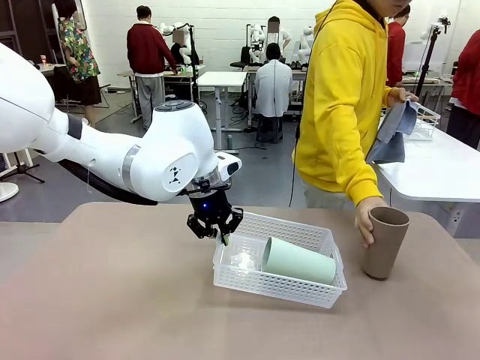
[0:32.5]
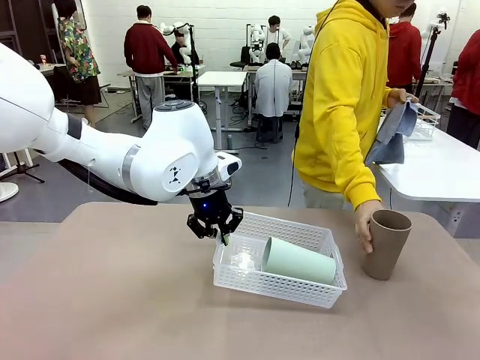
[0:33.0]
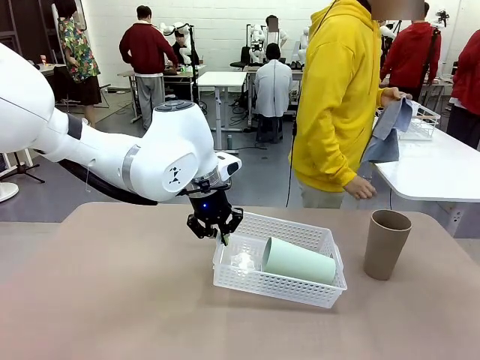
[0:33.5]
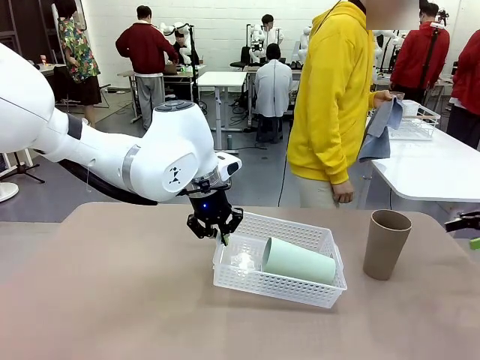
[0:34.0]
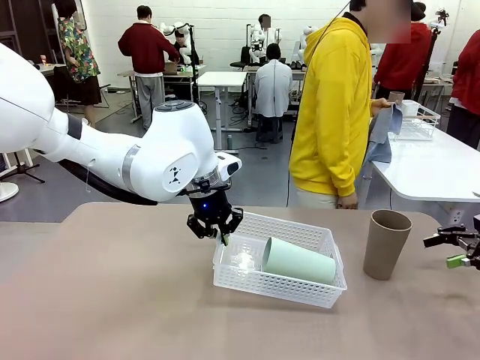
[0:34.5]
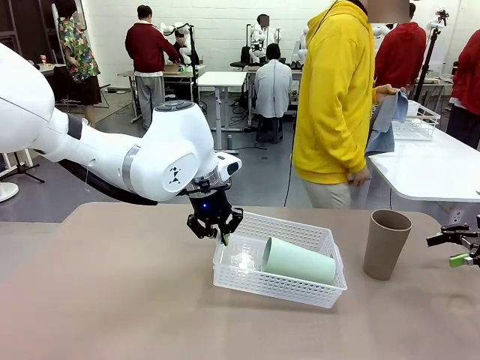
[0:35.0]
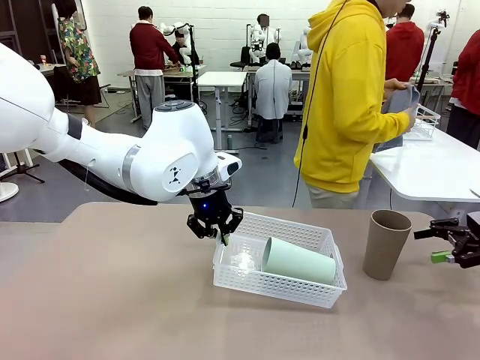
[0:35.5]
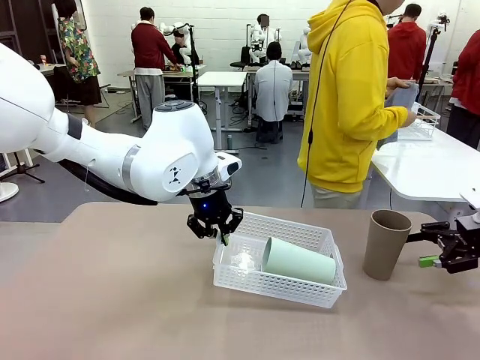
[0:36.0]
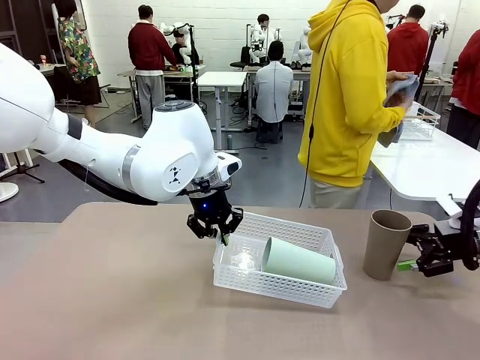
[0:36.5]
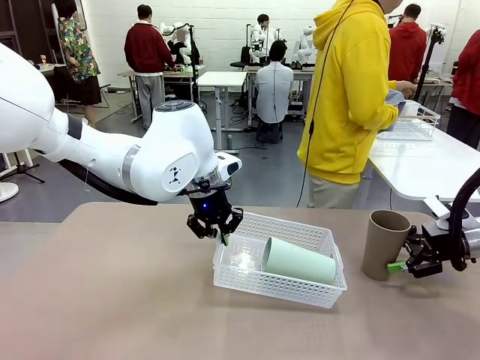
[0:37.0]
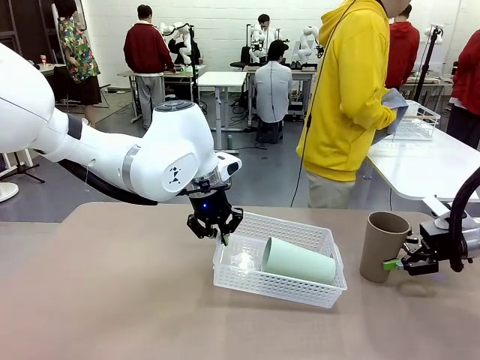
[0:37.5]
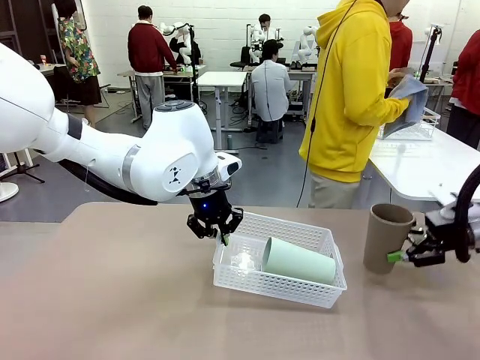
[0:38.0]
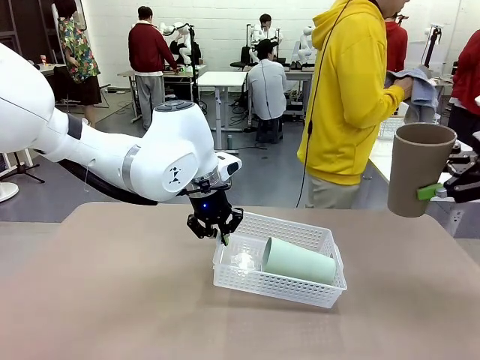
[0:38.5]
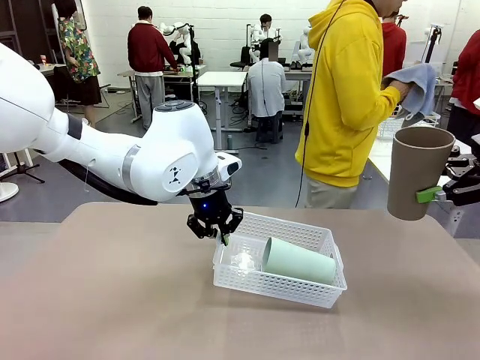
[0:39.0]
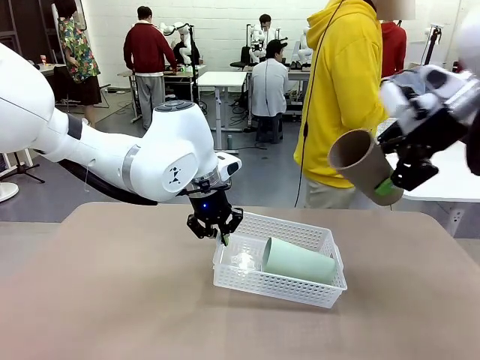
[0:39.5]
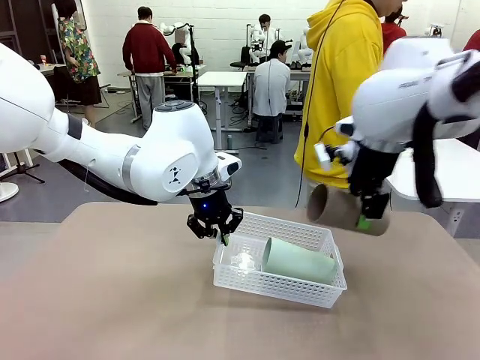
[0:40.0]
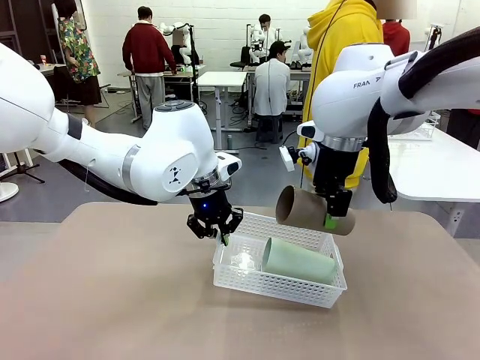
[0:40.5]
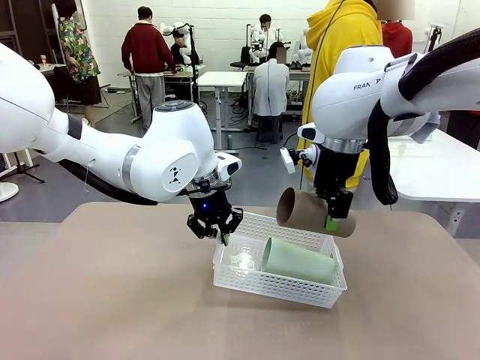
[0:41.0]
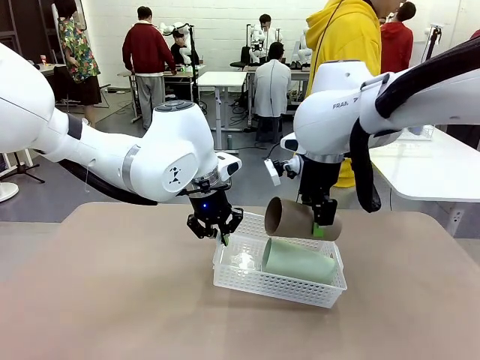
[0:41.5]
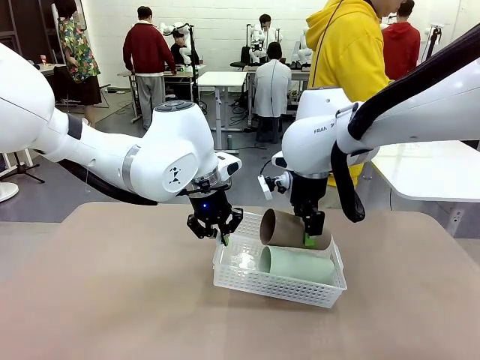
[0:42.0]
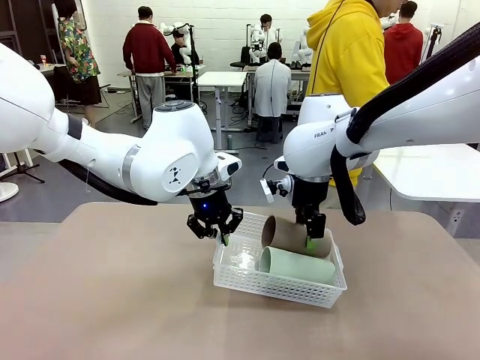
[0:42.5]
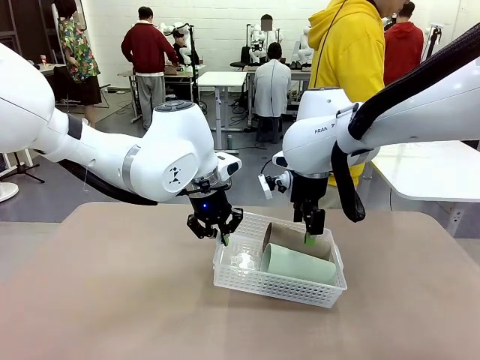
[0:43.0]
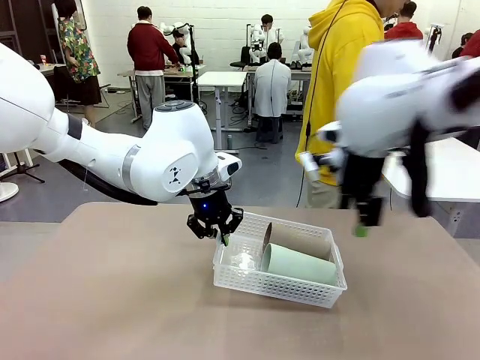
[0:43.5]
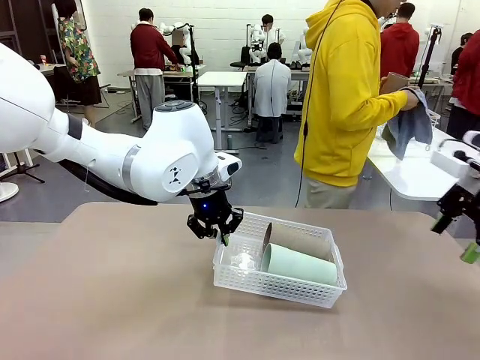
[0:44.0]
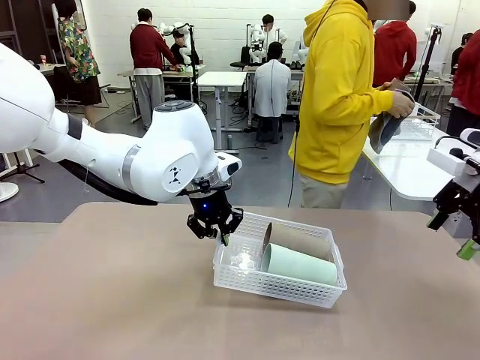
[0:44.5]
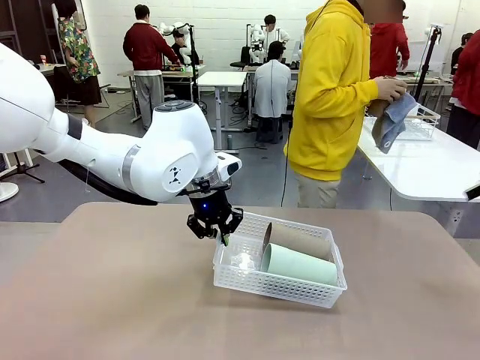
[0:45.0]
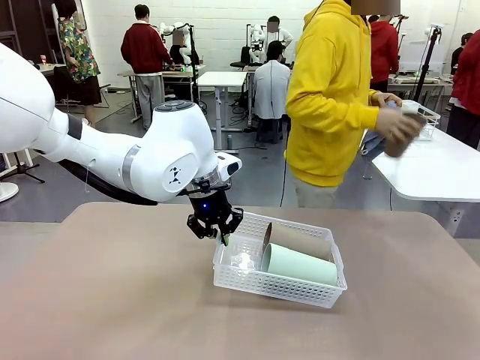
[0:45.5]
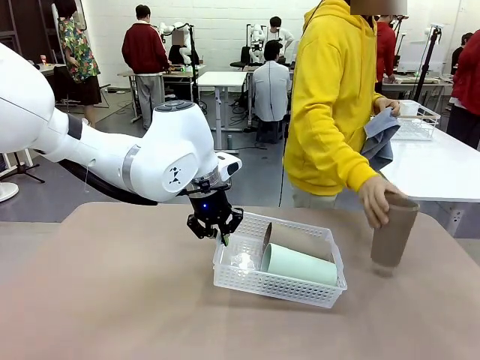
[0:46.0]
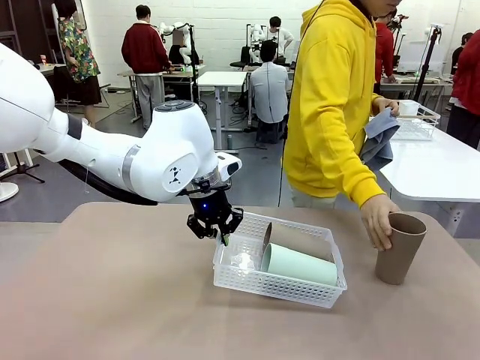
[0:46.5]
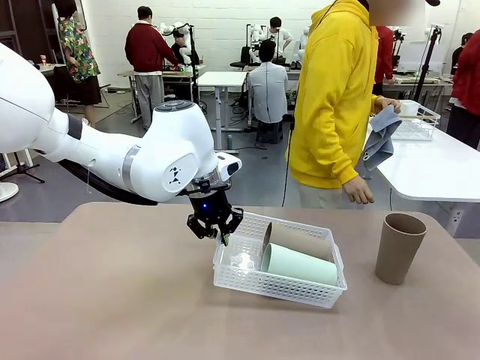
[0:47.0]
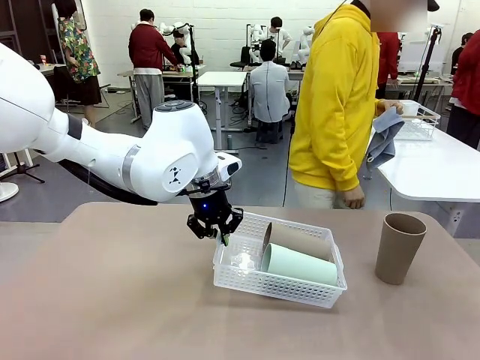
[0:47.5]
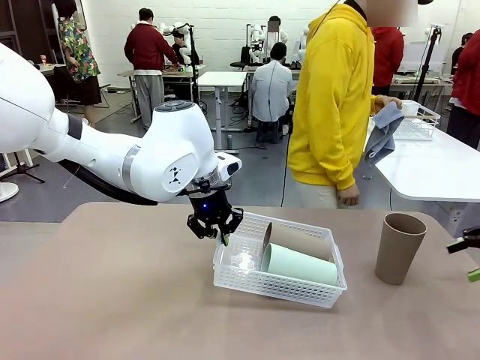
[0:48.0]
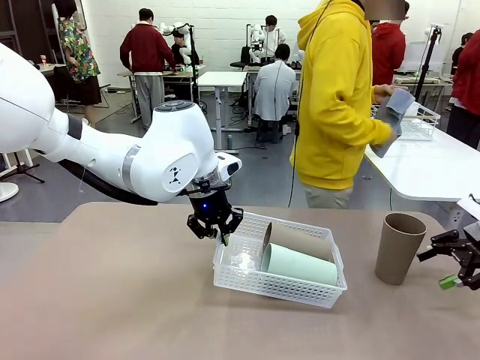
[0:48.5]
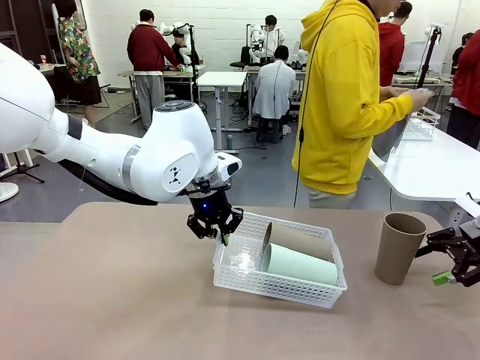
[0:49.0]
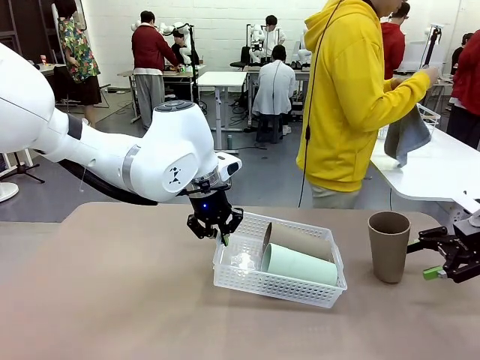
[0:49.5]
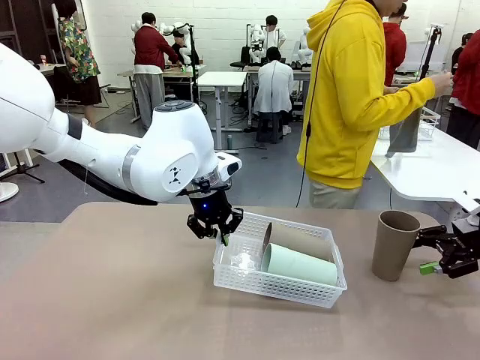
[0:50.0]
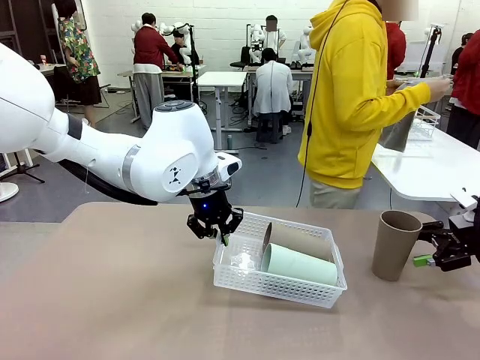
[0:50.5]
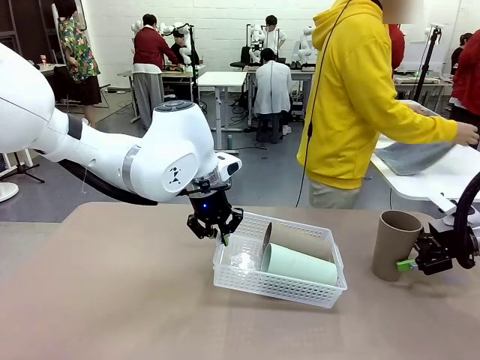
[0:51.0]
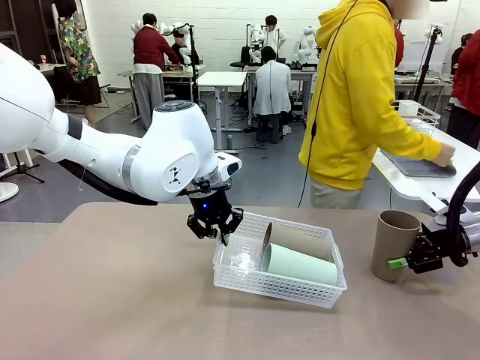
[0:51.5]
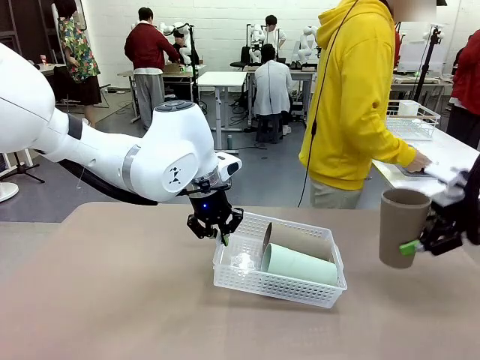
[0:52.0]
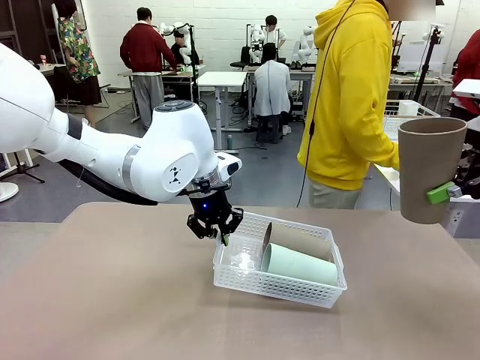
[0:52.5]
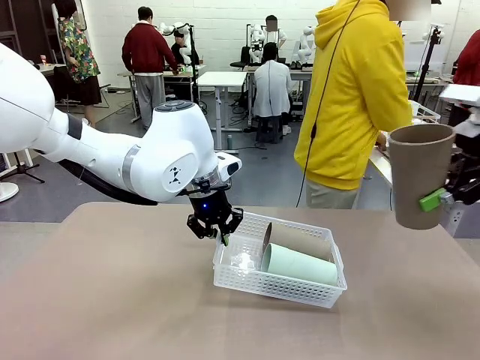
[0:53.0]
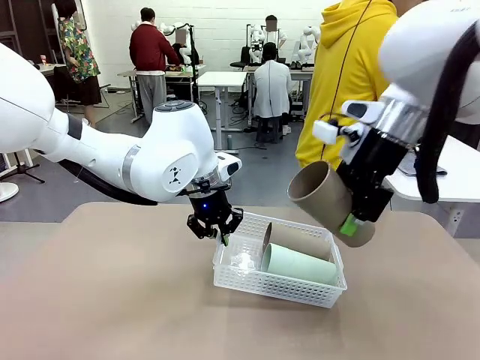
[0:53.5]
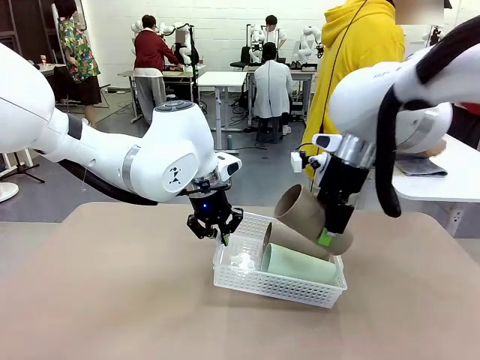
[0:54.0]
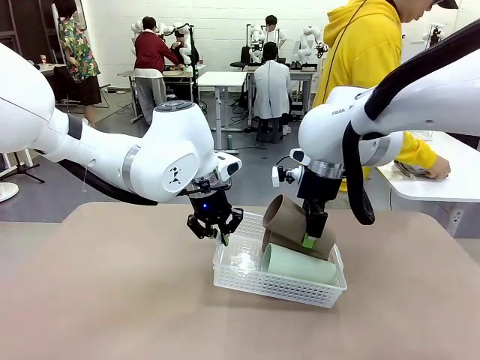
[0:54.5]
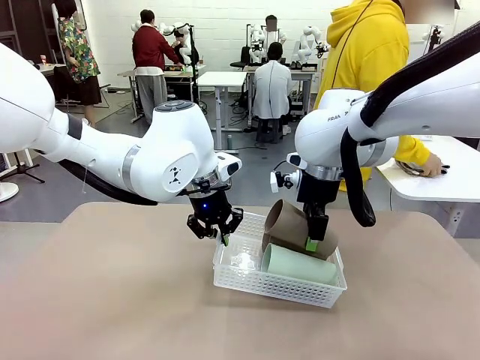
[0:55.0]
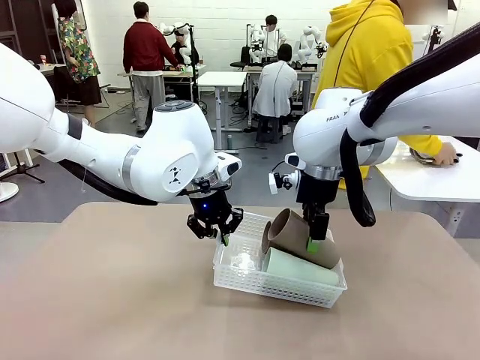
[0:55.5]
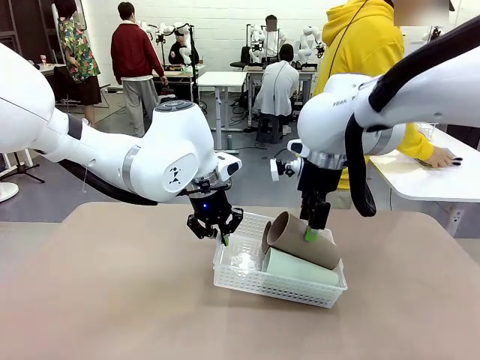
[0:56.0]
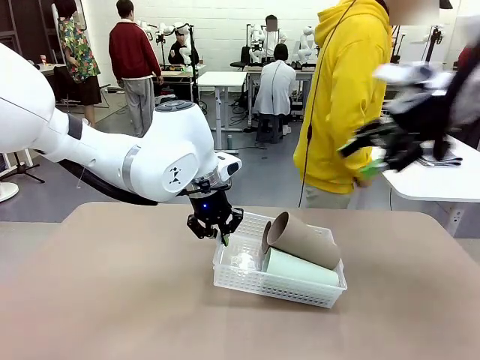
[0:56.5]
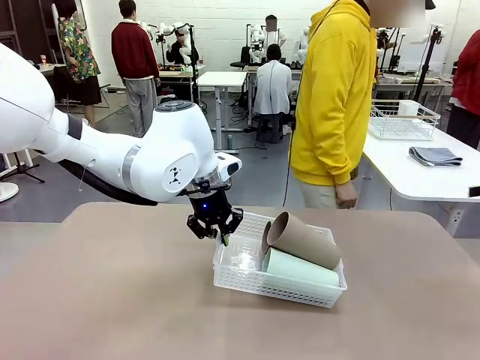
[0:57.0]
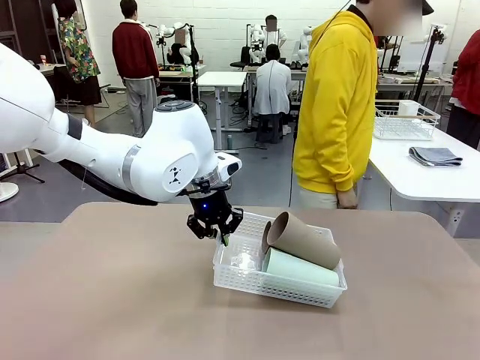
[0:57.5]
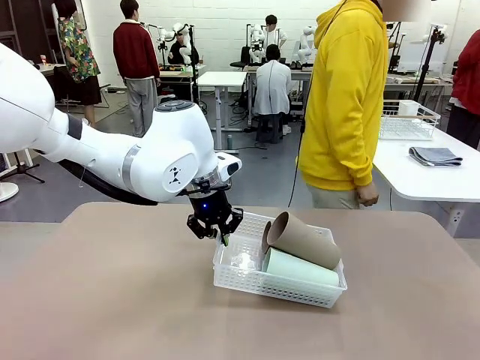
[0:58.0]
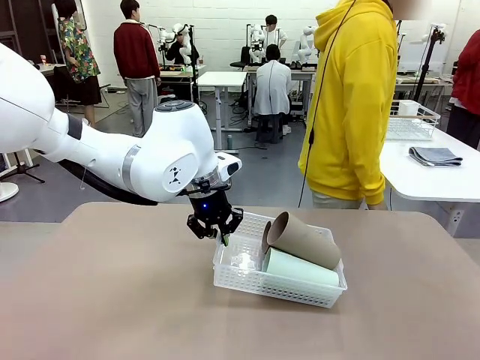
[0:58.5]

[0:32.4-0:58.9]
Task: Clean and organize the cups into the basket.
Robot: Pick up the Reusable plastic cup from the right side of the table and stack it inside the Organizing basket in the center of the table.
Person: Folds the towel in half twice and places it in the right of the table.
